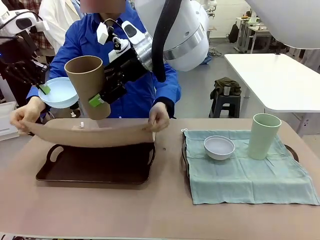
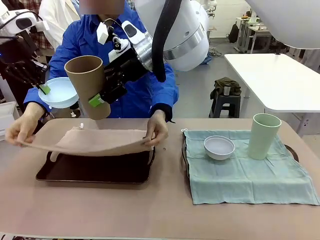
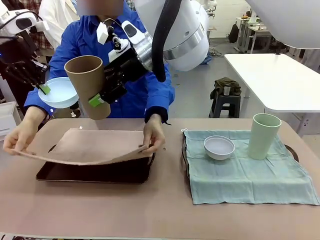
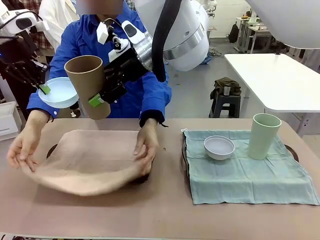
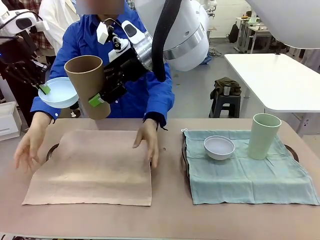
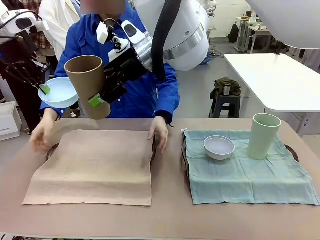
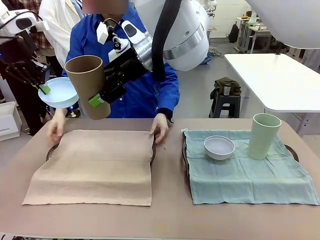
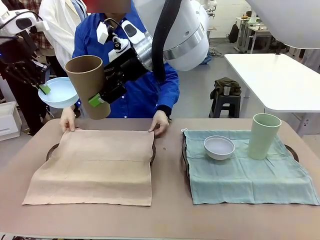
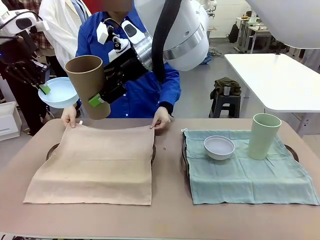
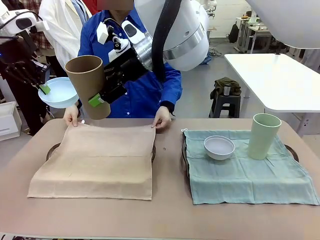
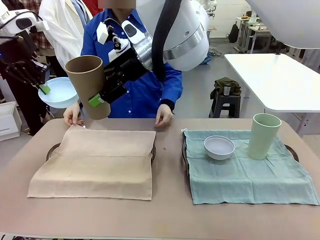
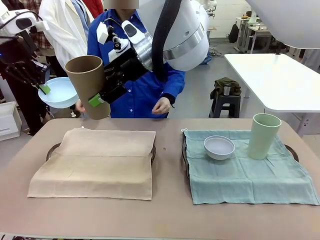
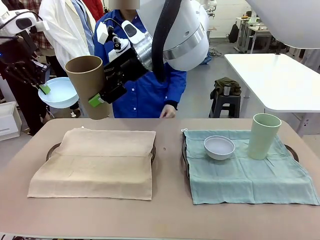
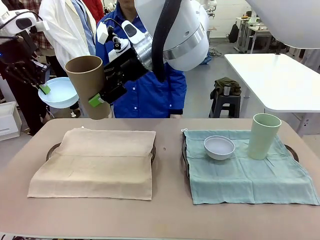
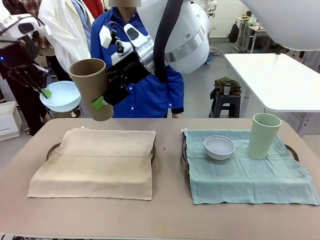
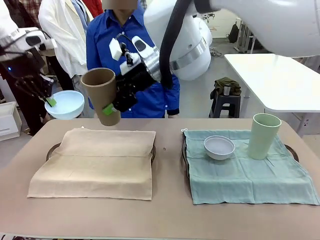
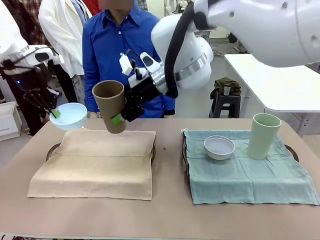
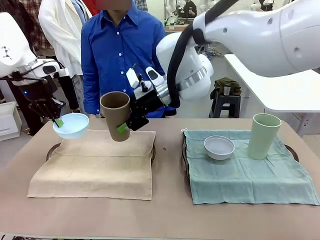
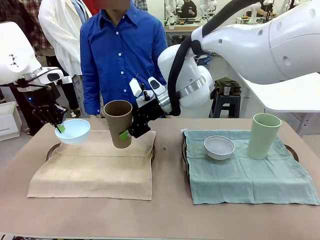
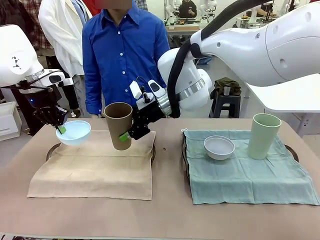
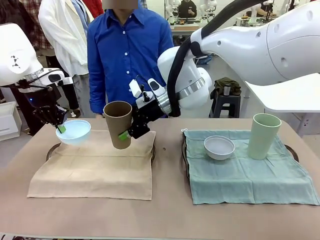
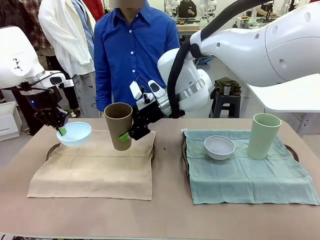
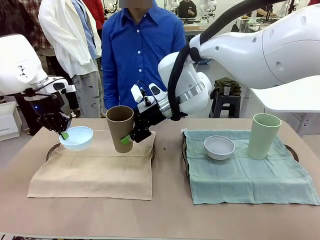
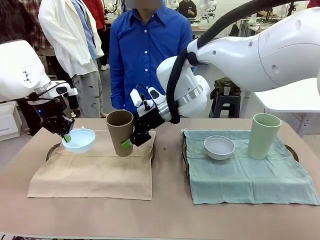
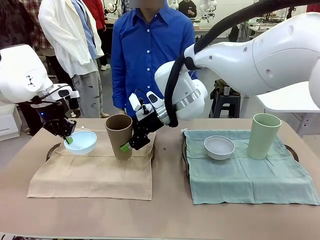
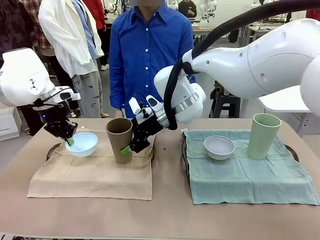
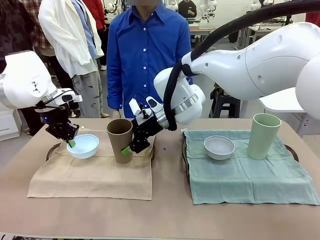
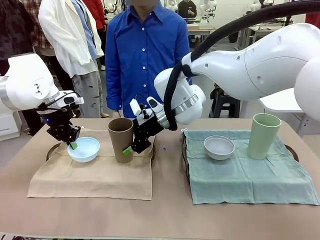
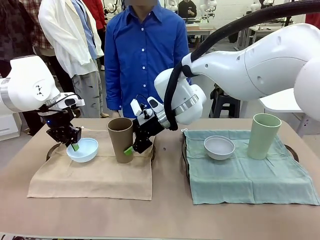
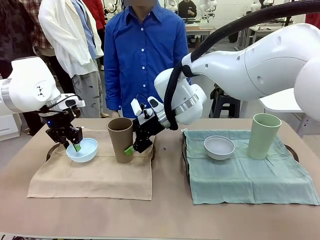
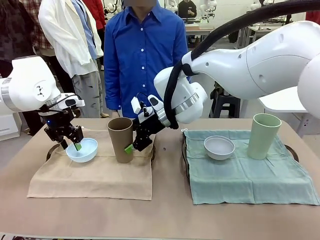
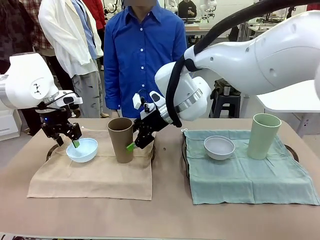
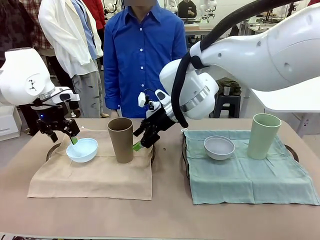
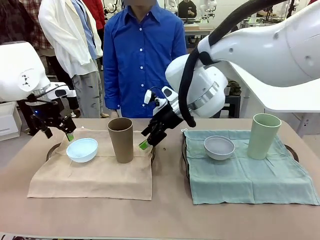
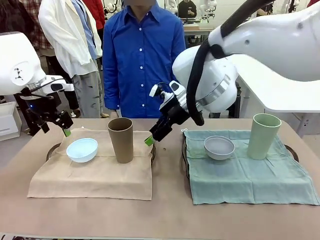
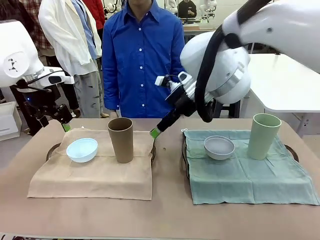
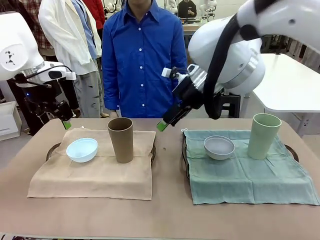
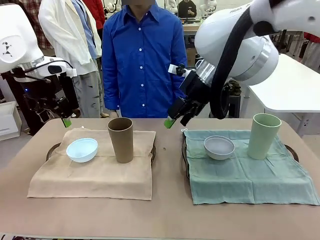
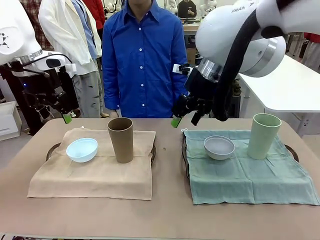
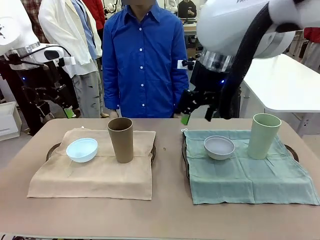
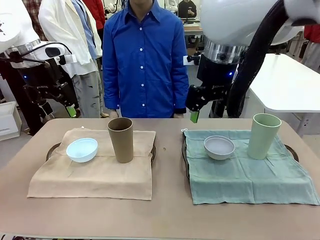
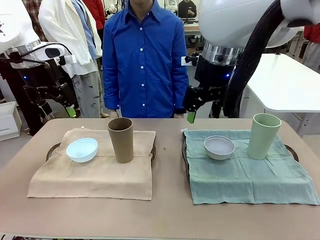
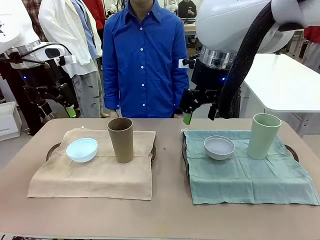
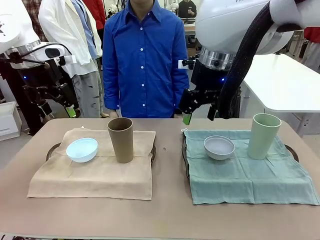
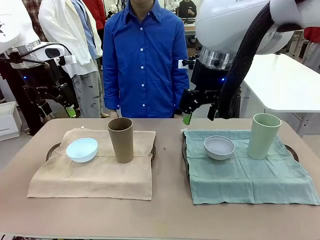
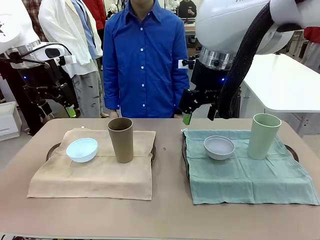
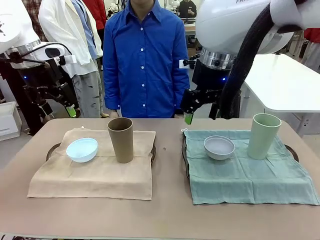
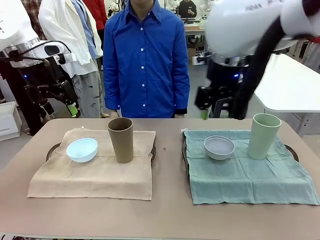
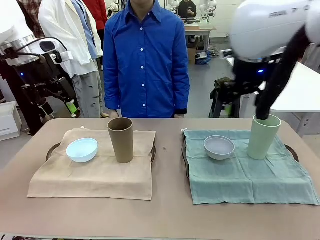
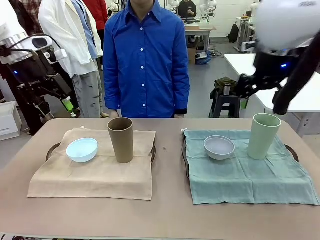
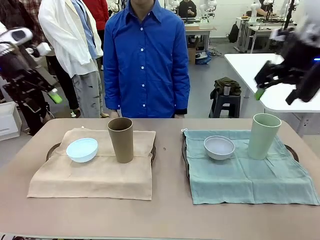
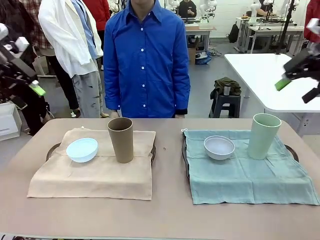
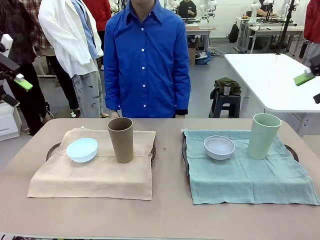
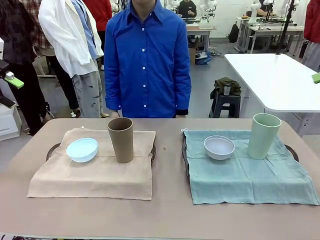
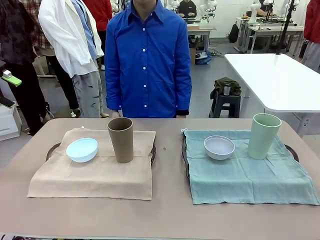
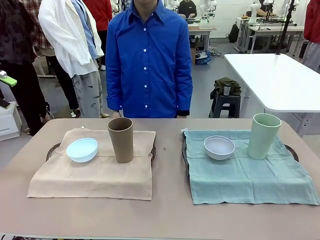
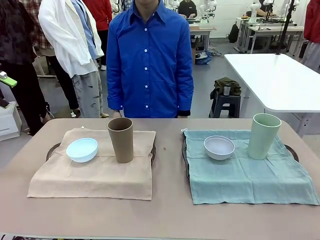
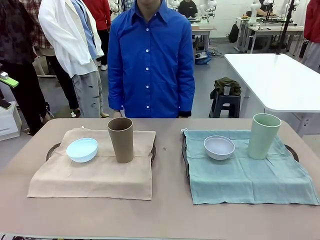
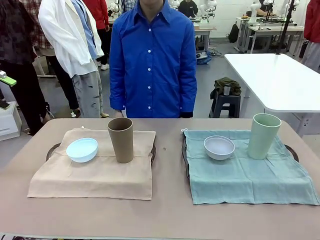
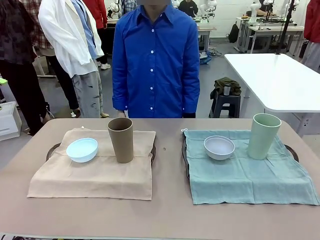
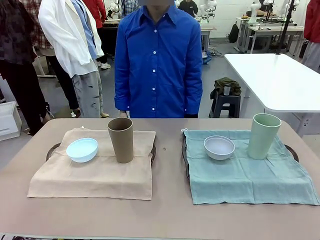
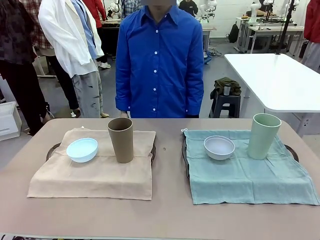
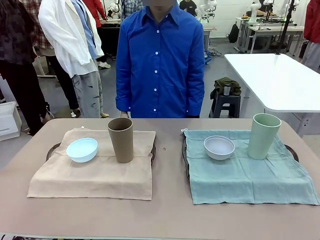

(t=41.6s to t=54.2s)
Robot: Place the Picnic Bowl and Reusable plastic cup back onto the Handle tray in front of the human's position.
Person: When the robot lifts the bowl and the cup, the human unfolds the napkin and lays the napkin flat on the tray.

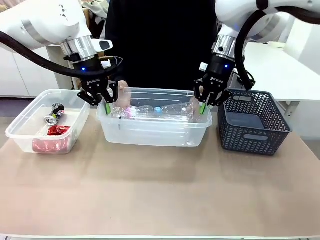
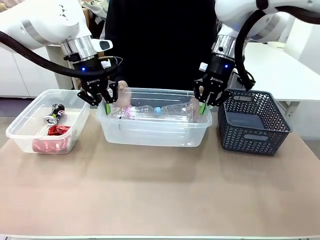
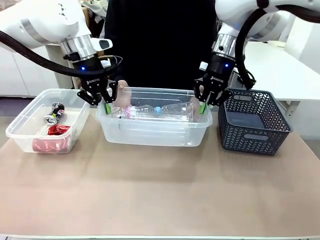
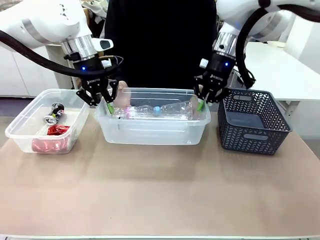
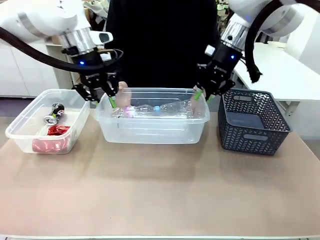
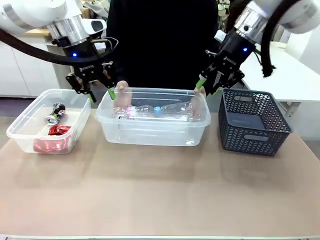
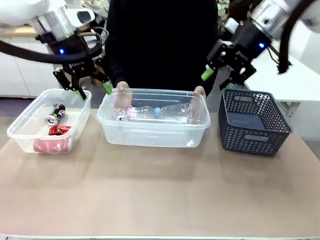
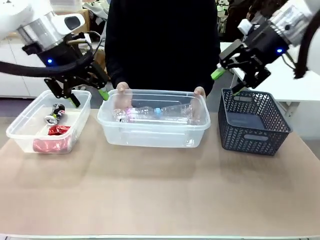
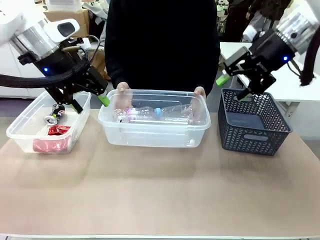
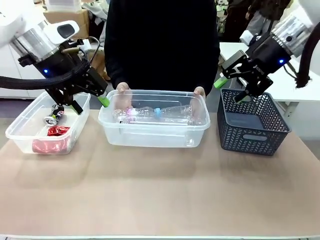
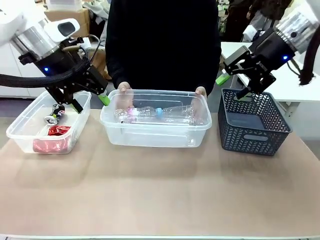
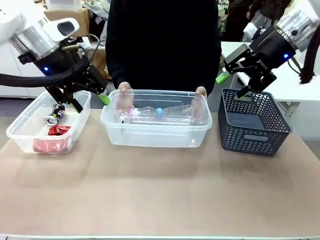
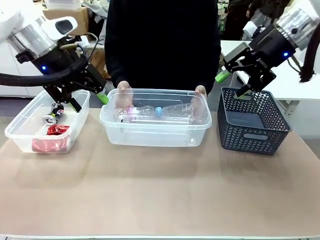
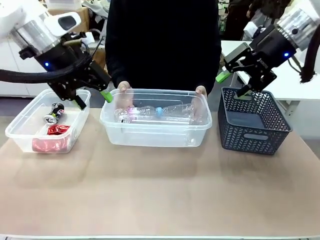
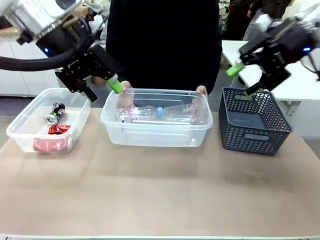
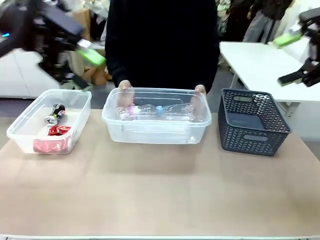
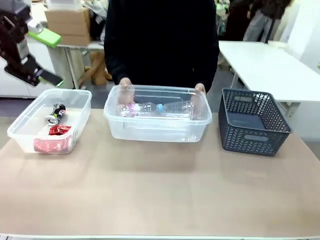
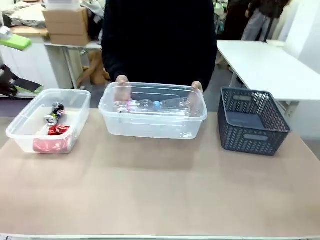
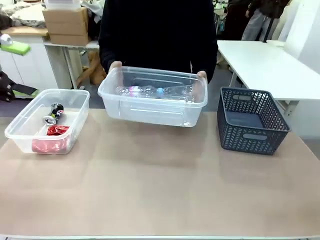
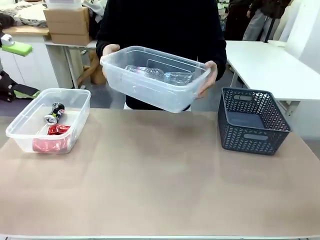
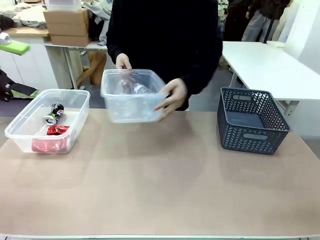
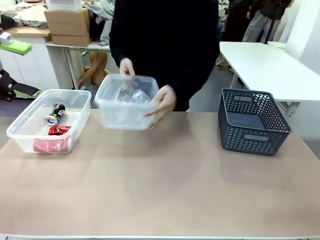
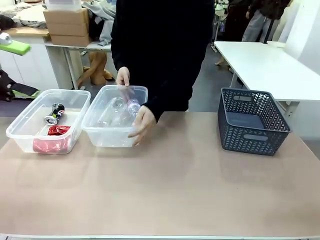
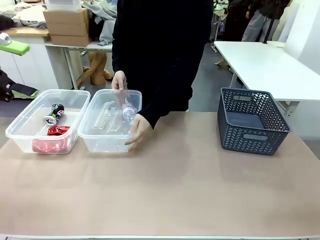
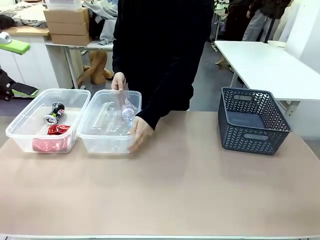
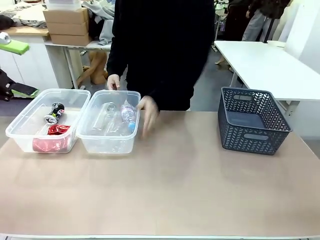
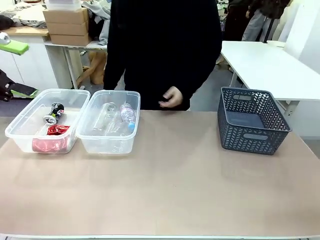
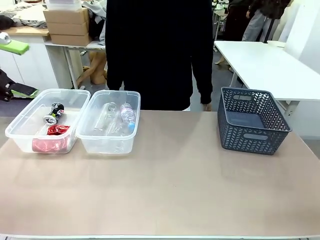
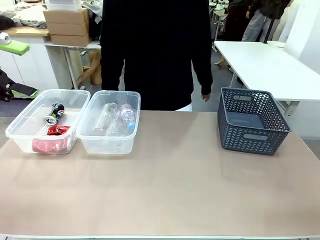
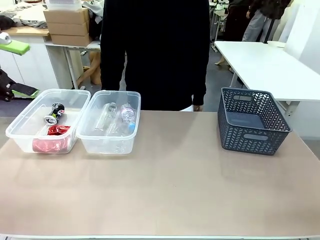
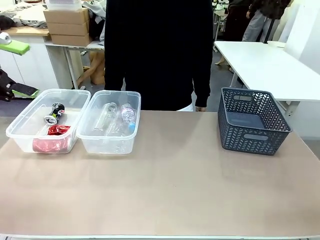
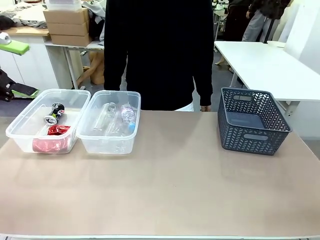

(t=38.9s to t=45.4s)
Robot: Release the Organizing box you were holding.
Person: Pick up the organizing box extended by the robot. Place the organizing box to the left of the sorting box containing the can waste.
